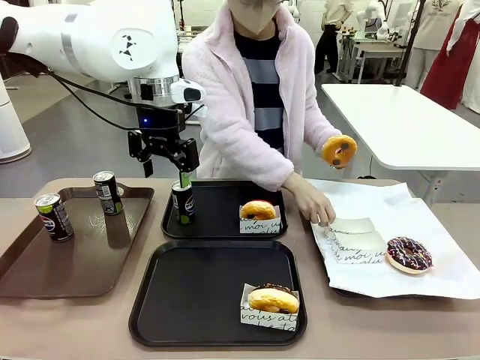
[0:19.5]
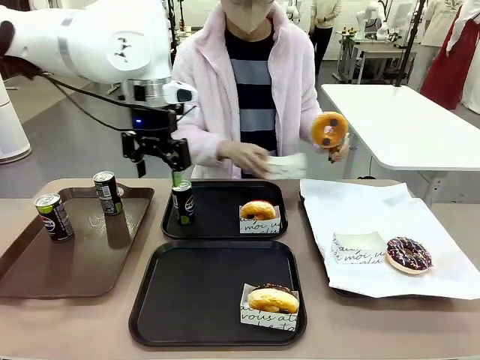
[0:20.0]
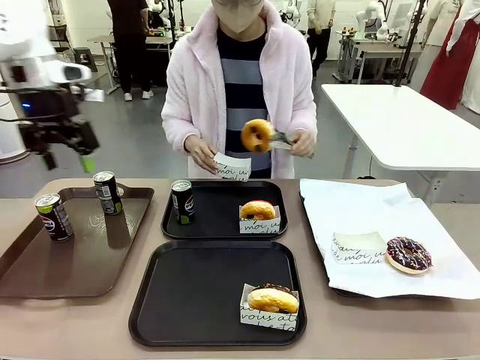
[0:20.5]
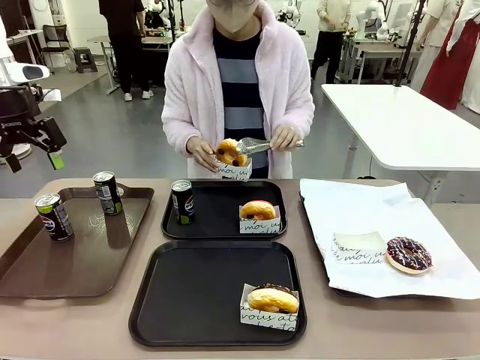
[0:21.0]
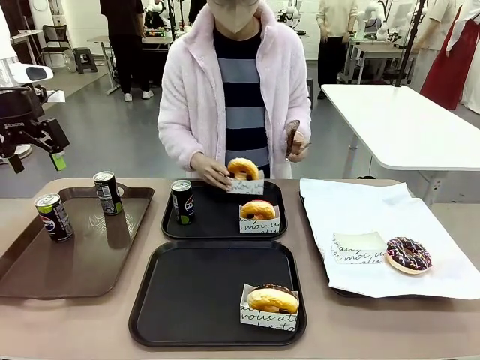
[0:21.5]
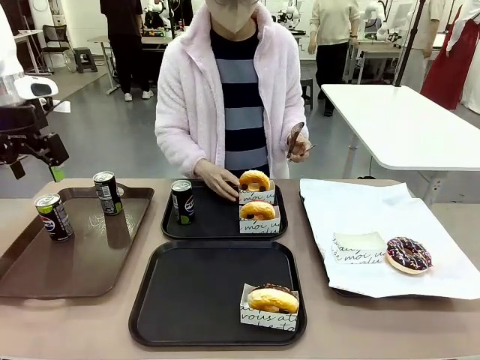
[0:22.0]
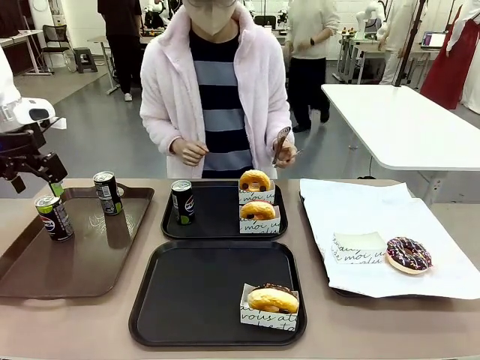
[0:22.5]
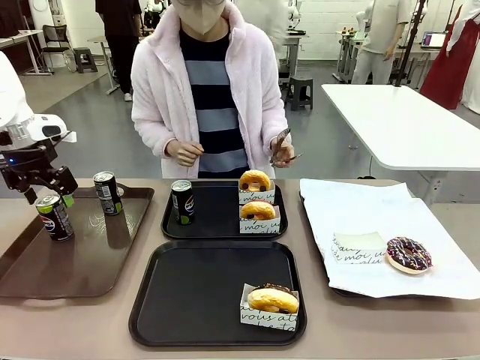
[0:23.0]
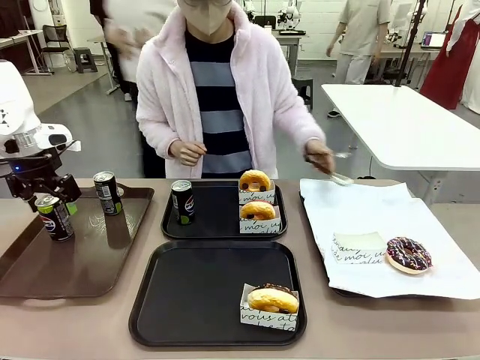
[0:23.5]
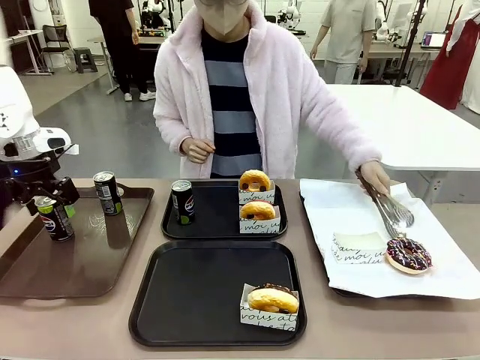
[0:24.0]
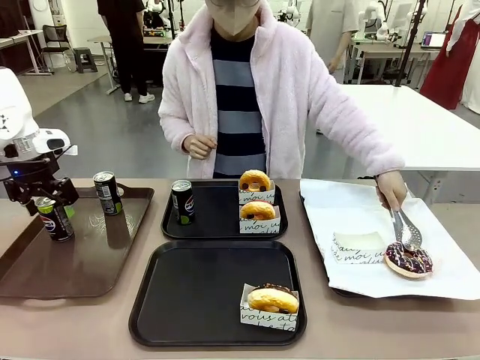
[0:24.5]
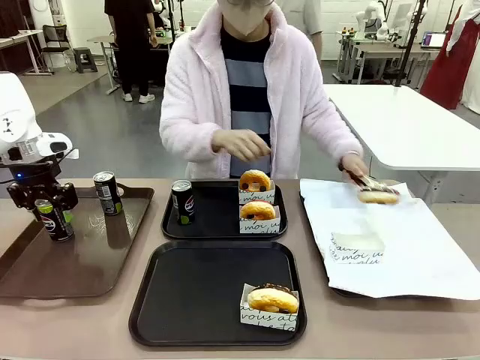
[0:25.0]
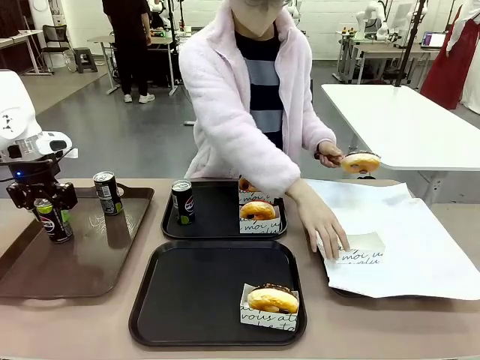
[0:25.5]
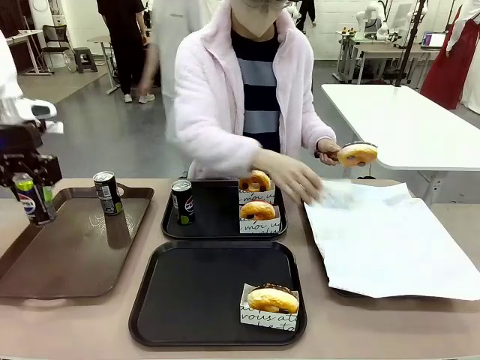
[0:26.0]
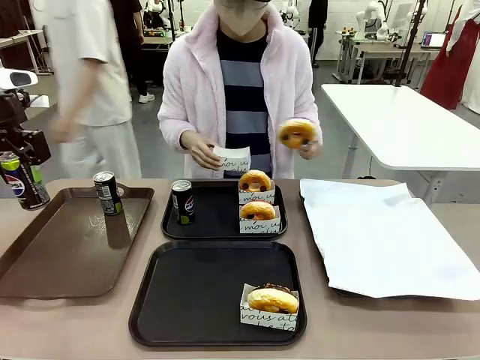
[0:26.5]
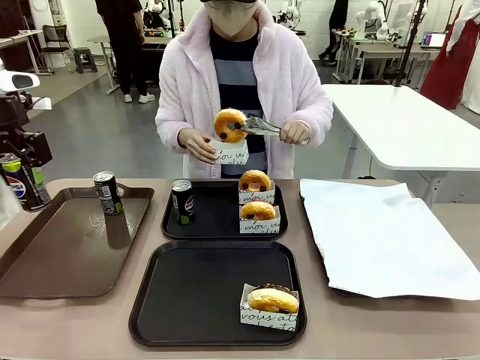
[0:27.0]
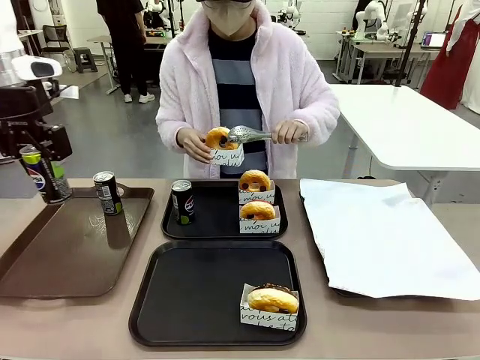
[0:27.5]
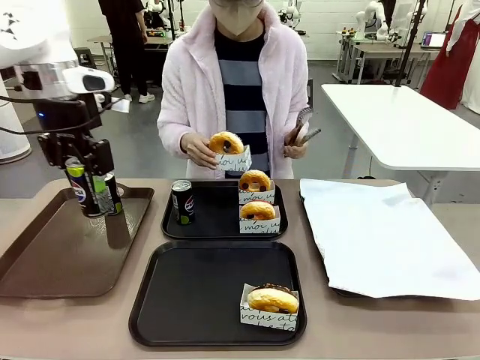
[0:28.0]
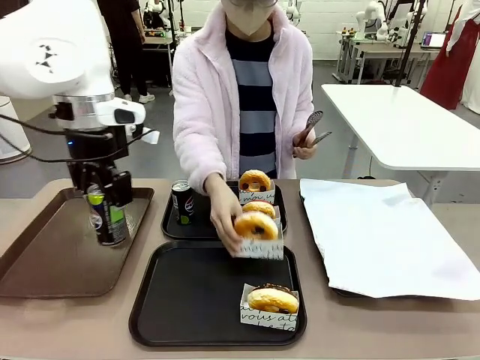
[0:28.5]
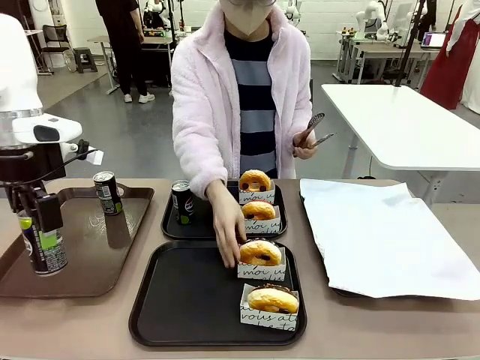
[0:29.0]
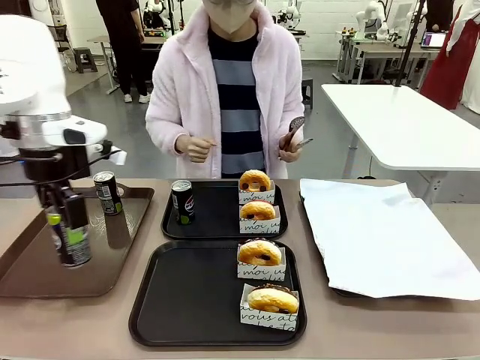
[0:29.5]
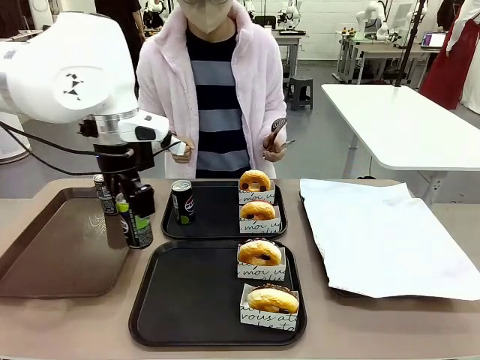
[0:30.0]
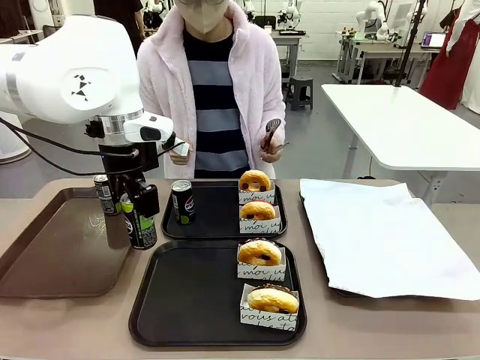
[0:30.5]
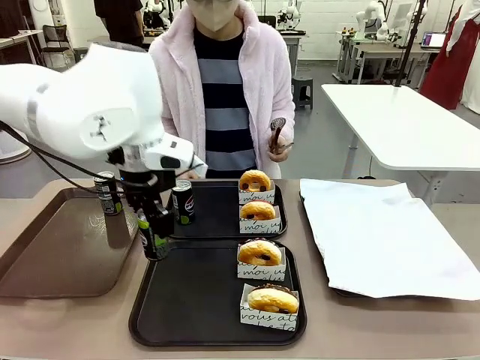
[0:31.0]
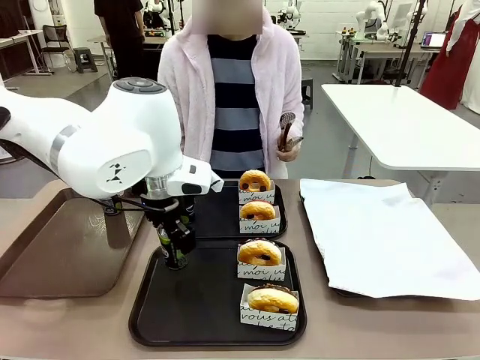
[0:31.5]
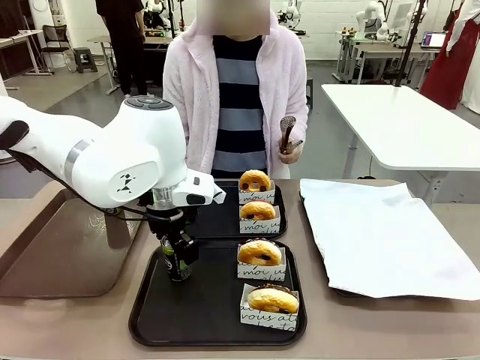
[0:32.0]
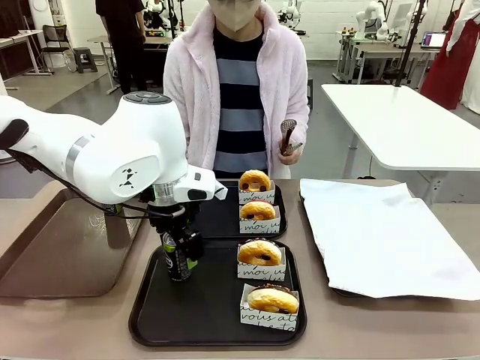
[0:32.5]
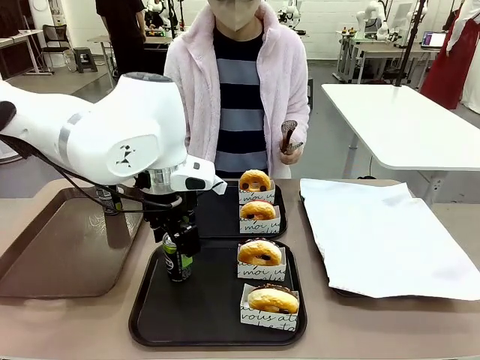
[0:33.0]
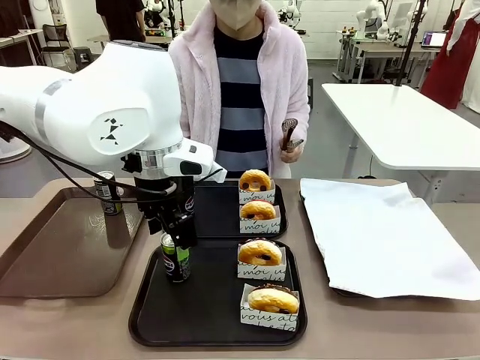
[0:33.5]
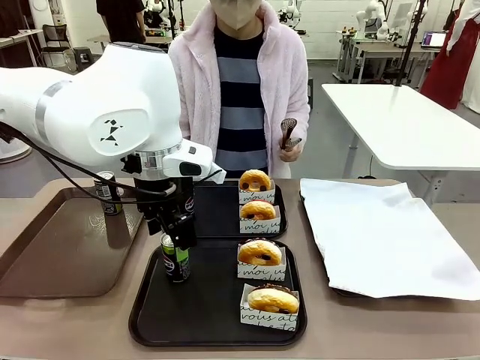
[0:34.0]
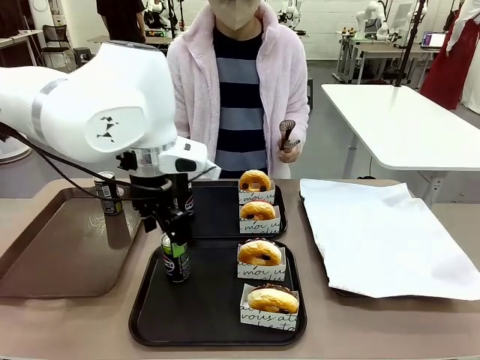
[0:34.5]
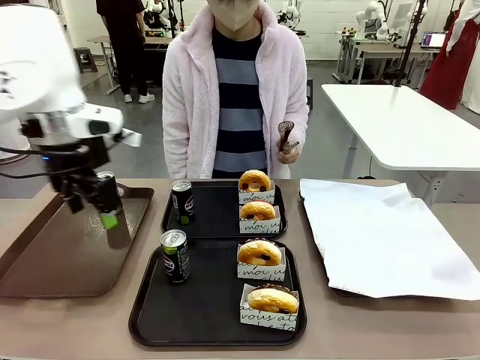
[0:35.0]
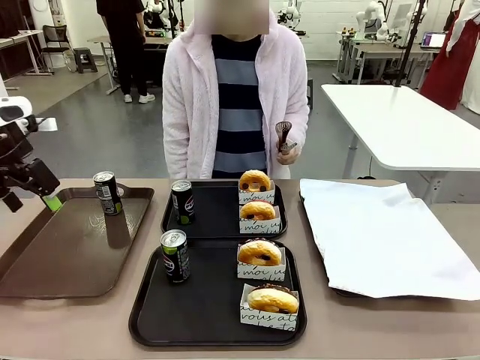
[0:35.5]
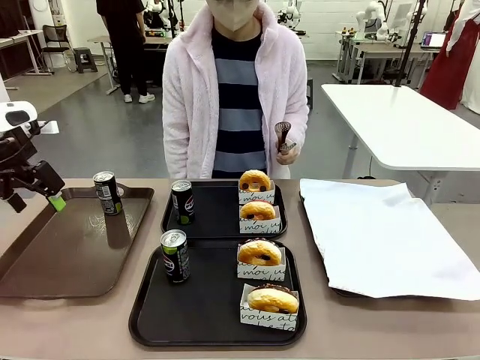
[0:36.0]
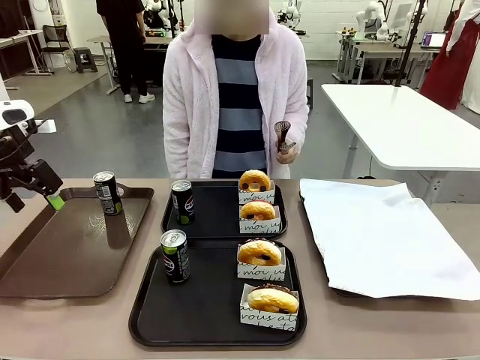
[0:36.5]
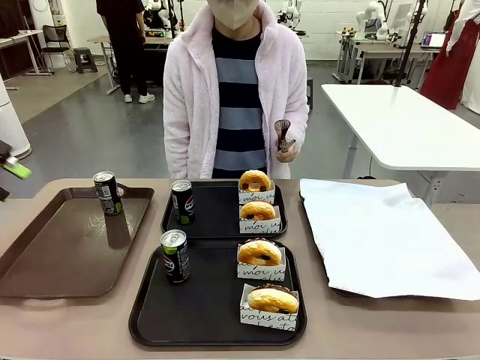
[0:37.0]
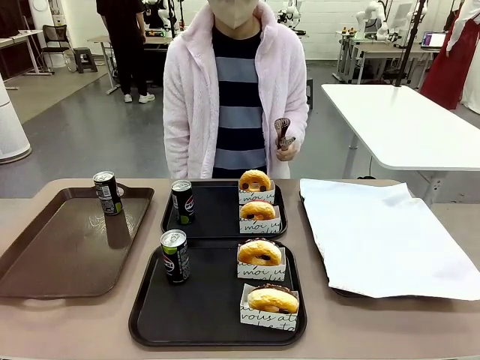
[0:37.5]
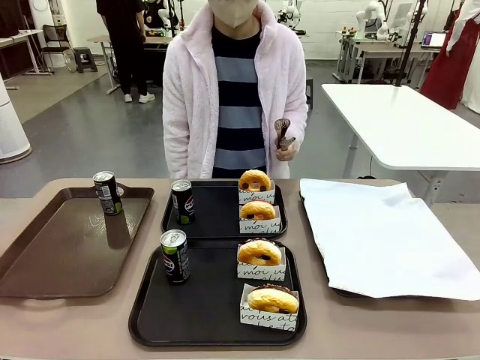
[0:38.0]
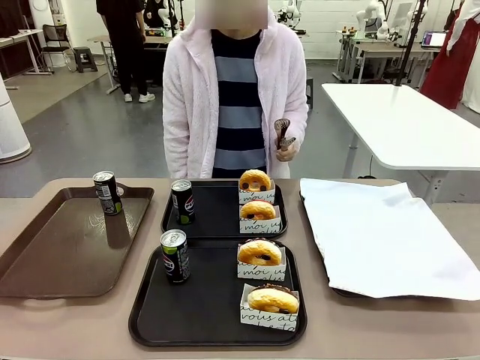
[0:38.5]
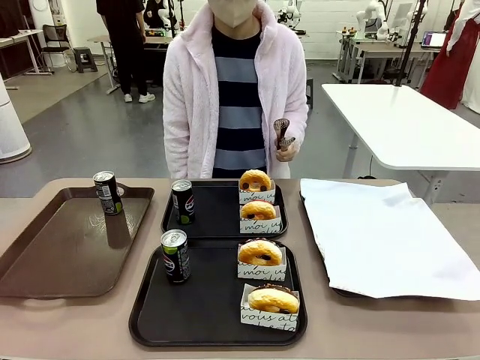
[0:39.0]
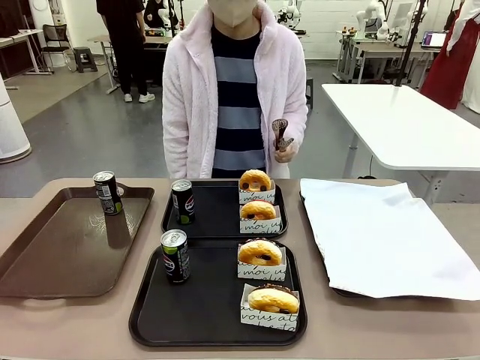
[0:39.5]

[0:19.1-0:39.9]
Task: Set up donuts and drinks on trays.
Robot: Pick up one Pepsi coke from the Handle tray and place it on the Flat Tray without a Pepsi coke.
Person: Pick up one donut with tongs, place it in the donut tray, and then place the donut tray on the flat tray.

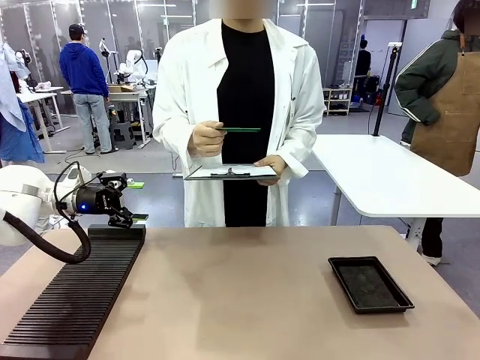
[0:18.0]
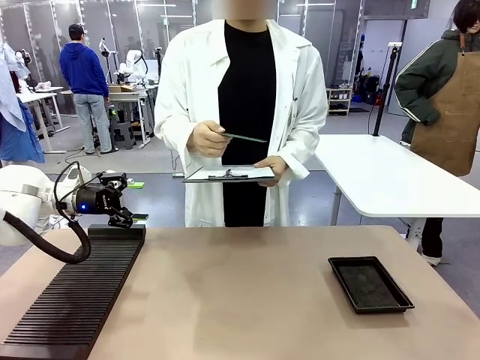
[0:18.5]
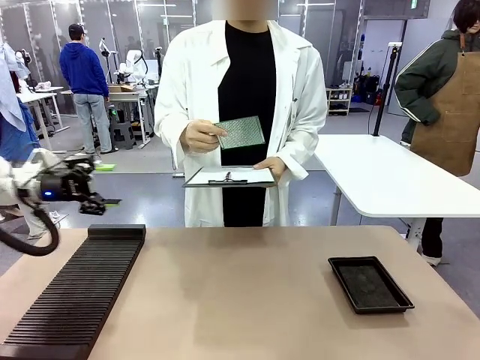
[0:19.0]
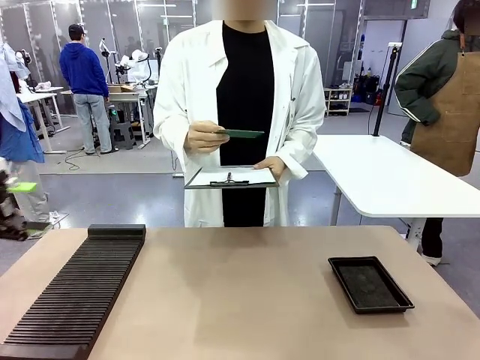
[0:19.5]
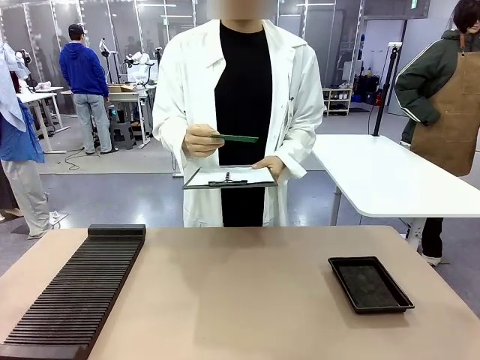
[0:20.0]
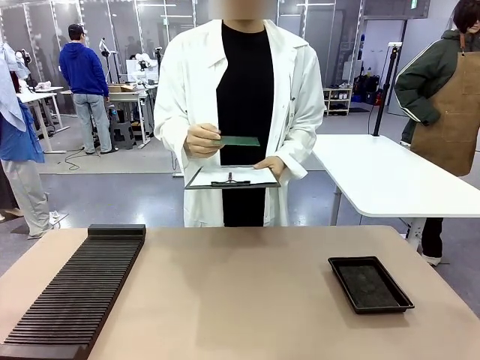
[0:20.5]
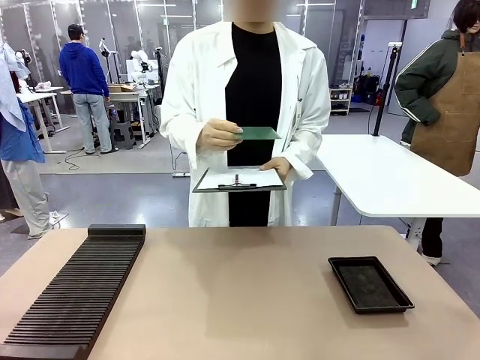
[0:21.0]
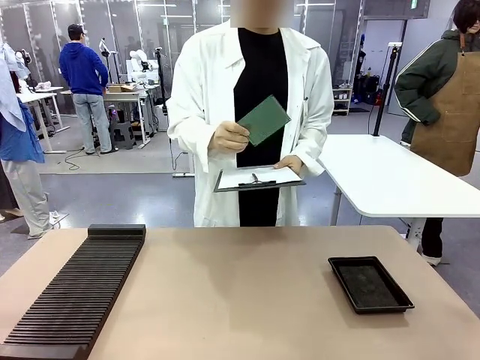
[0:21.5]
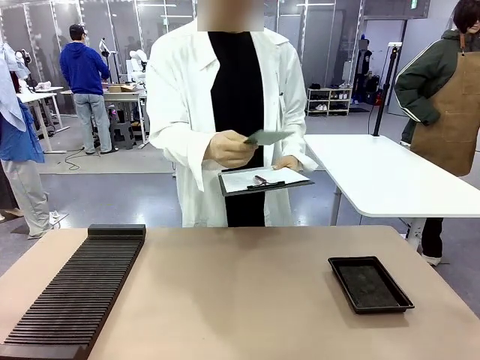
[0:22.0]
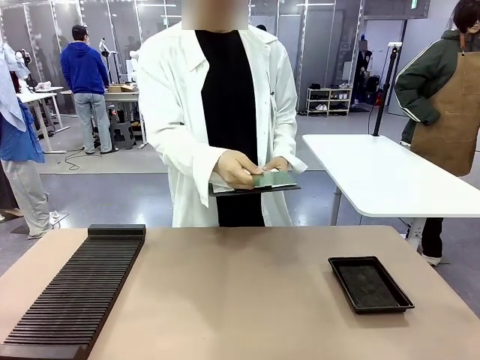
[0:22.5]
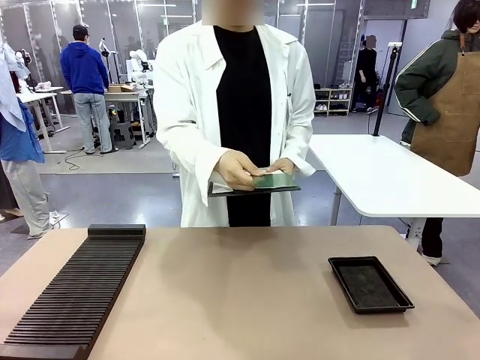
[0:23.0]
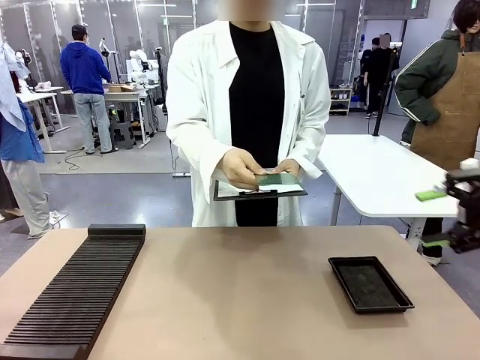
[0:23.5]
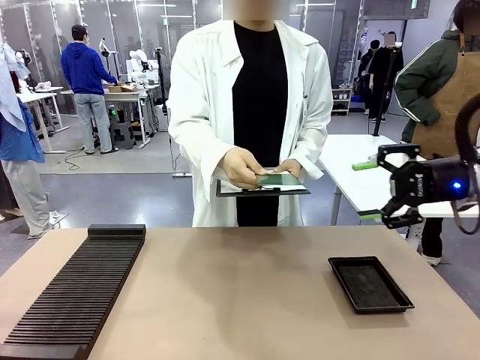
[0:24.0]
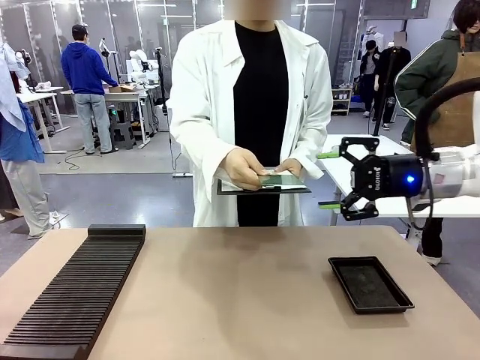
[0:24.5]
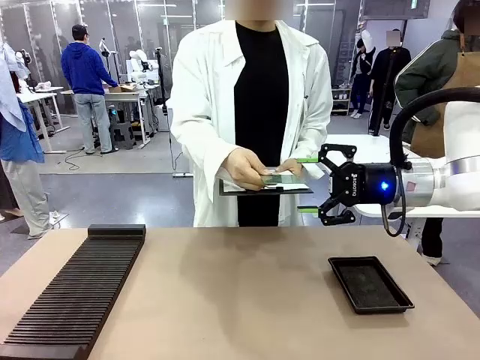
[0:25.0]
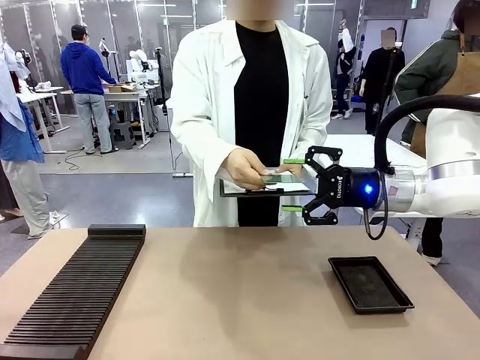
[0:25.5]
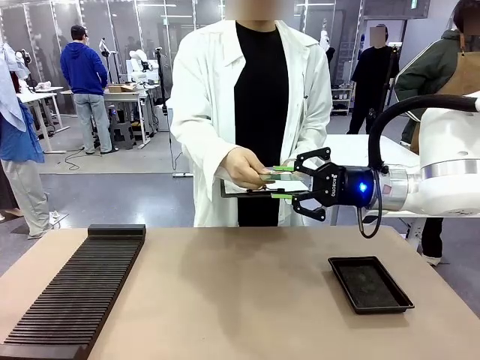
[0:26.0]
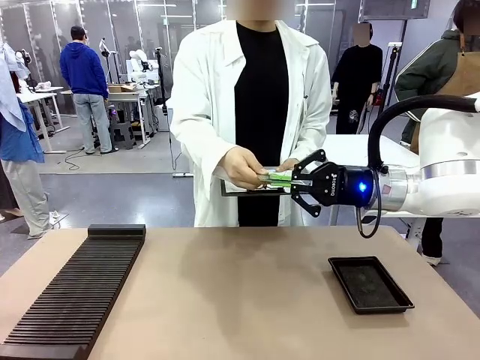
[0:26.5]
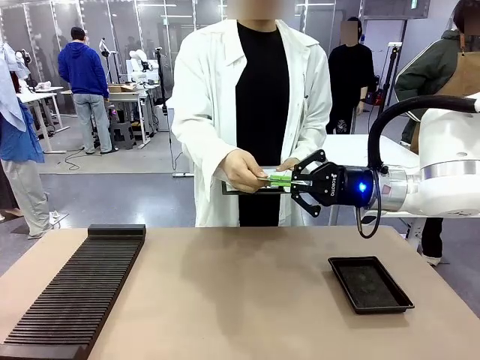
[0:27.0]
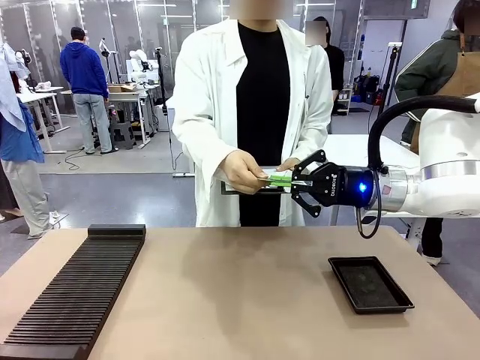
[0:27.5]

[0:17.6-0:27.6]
Task: Inspect the PCB.
Robot: Pick up the Blank PCB that the human is holding.
Person: Inspect the PCB placed by the robot, then hold it out in front of the robot. Release the PCB you were holding.
